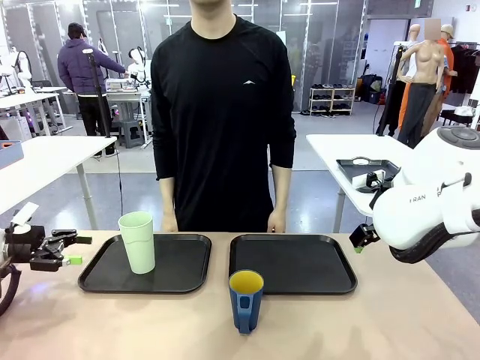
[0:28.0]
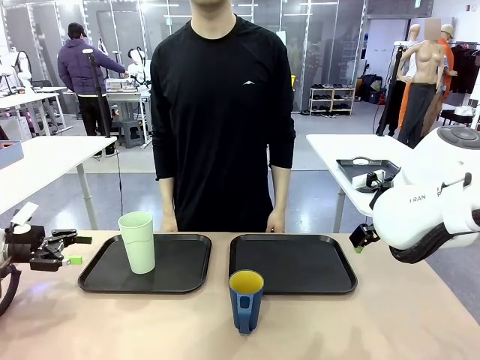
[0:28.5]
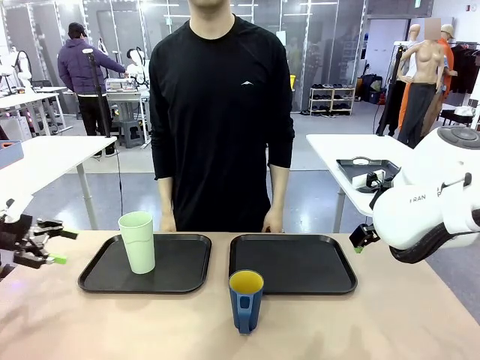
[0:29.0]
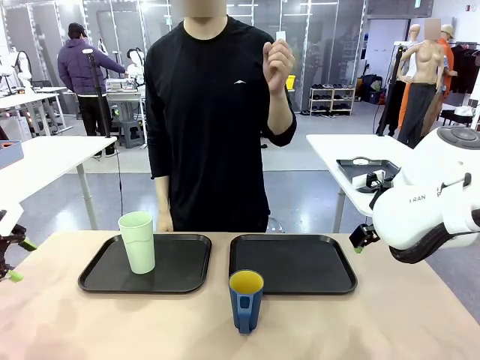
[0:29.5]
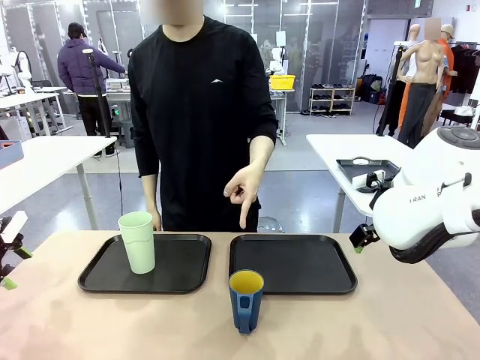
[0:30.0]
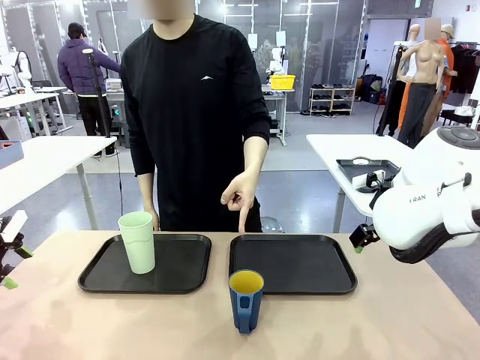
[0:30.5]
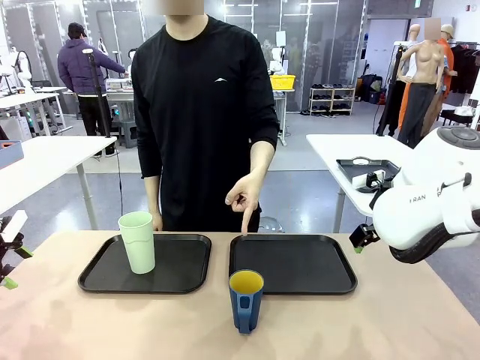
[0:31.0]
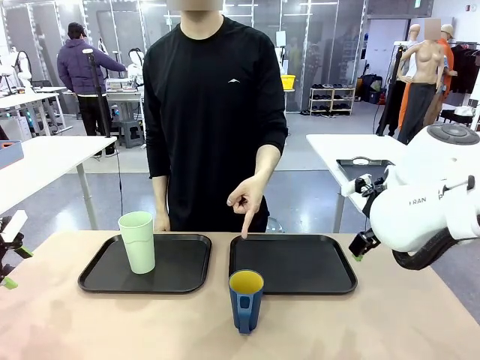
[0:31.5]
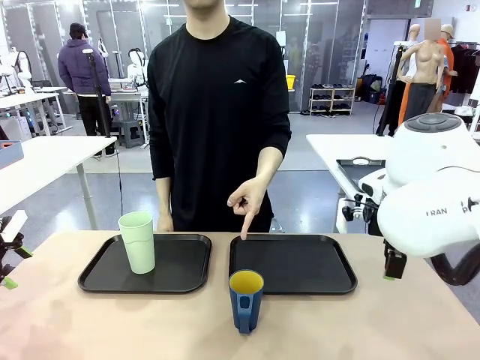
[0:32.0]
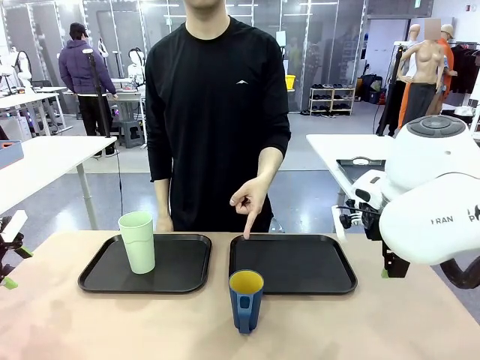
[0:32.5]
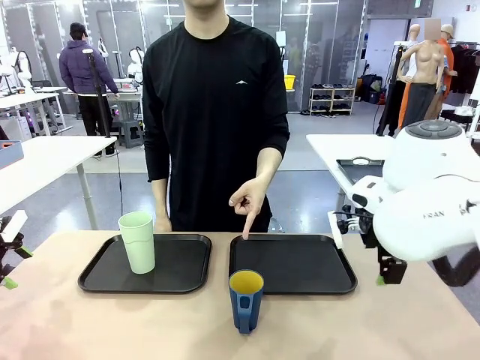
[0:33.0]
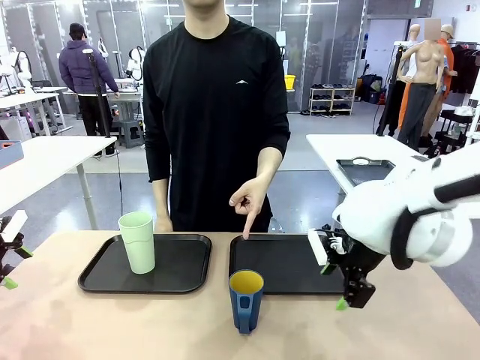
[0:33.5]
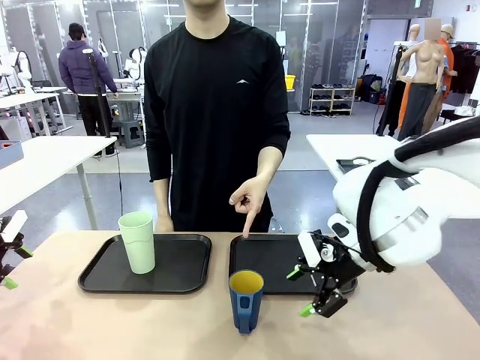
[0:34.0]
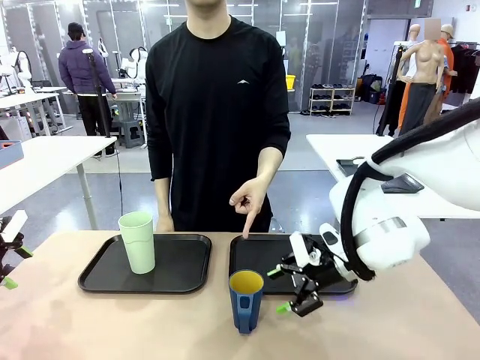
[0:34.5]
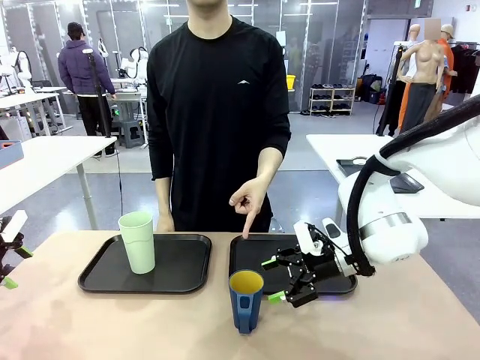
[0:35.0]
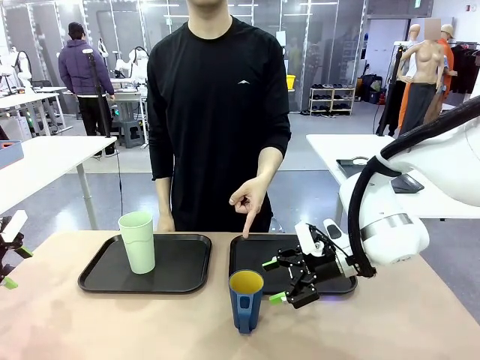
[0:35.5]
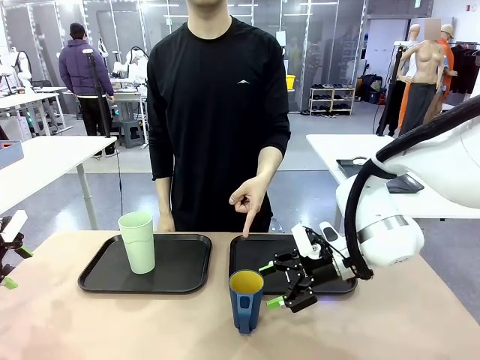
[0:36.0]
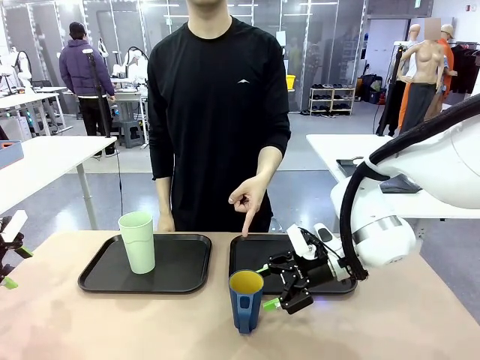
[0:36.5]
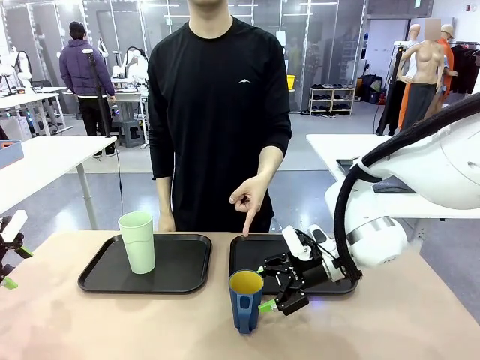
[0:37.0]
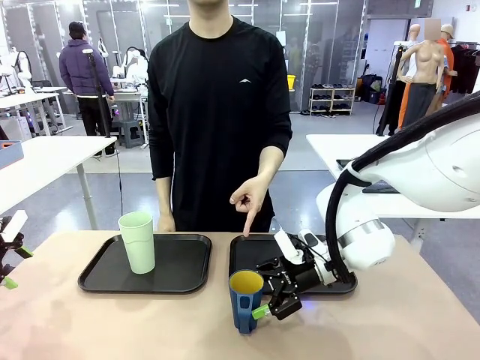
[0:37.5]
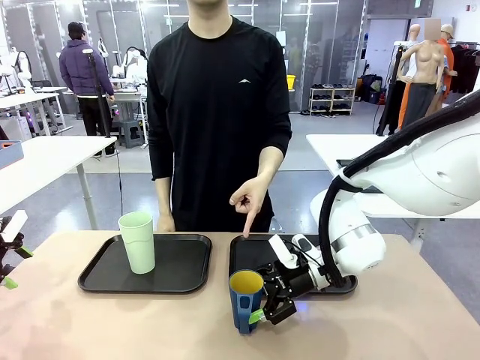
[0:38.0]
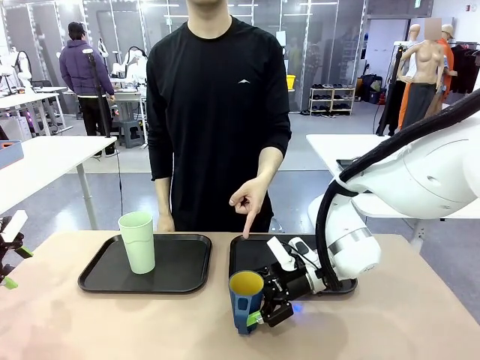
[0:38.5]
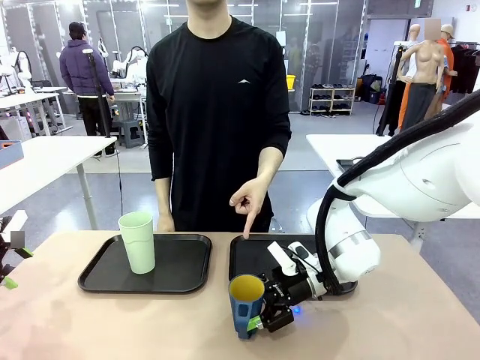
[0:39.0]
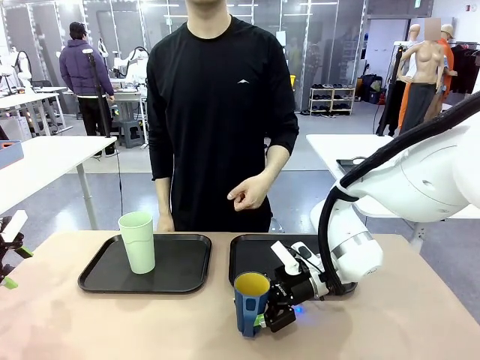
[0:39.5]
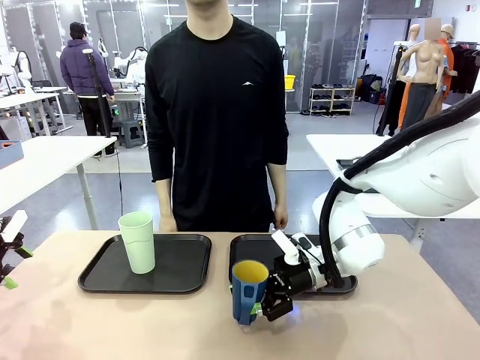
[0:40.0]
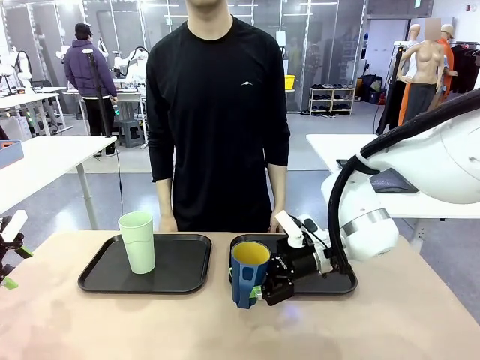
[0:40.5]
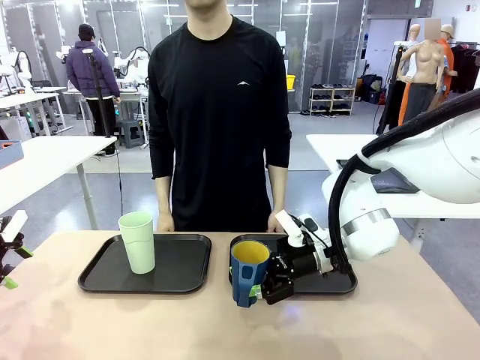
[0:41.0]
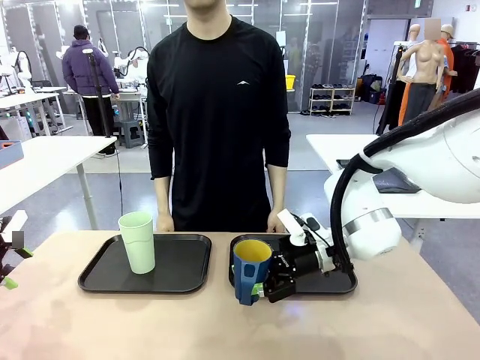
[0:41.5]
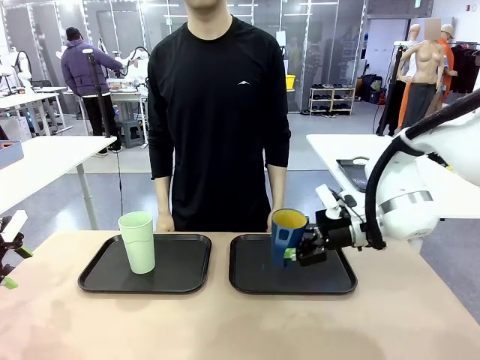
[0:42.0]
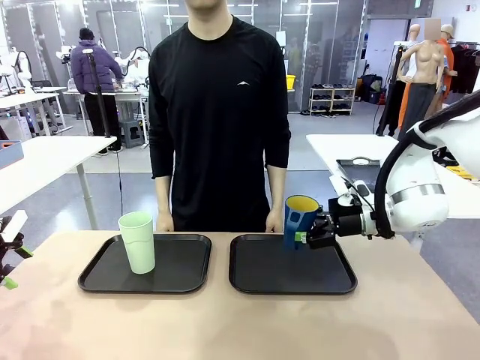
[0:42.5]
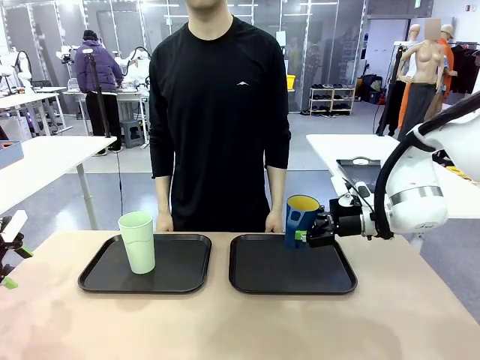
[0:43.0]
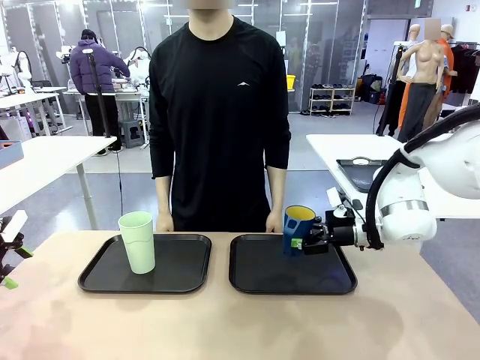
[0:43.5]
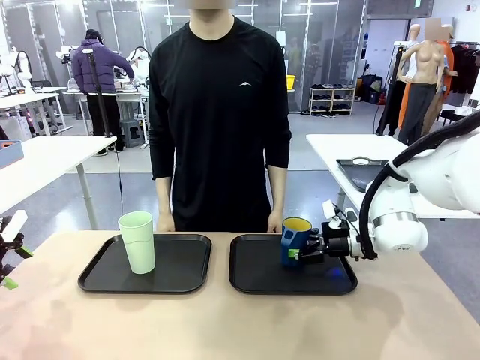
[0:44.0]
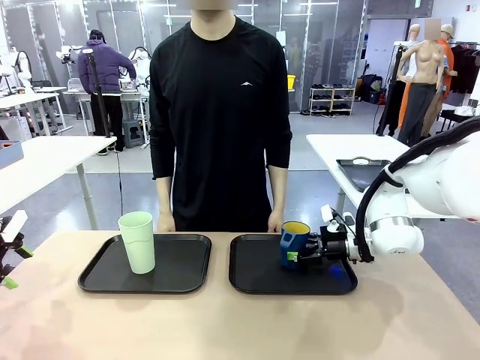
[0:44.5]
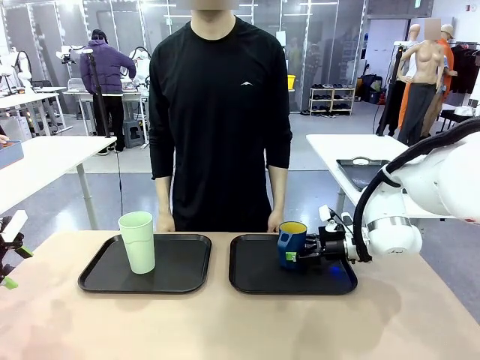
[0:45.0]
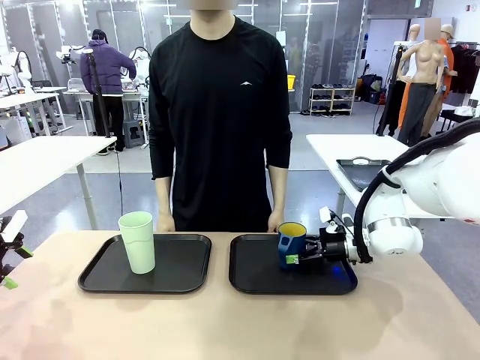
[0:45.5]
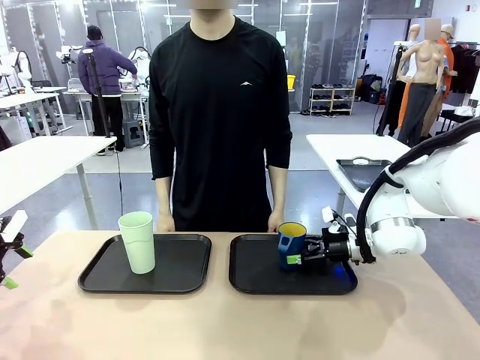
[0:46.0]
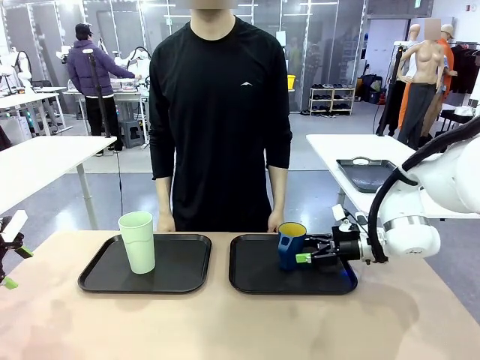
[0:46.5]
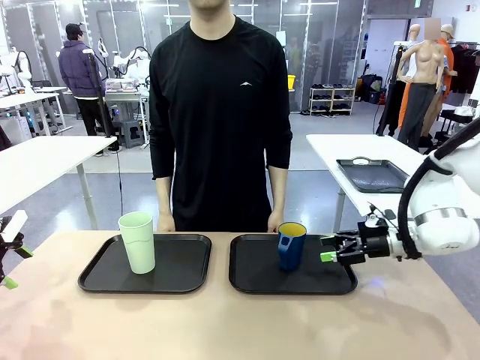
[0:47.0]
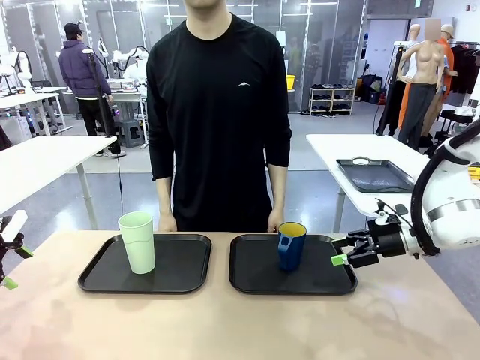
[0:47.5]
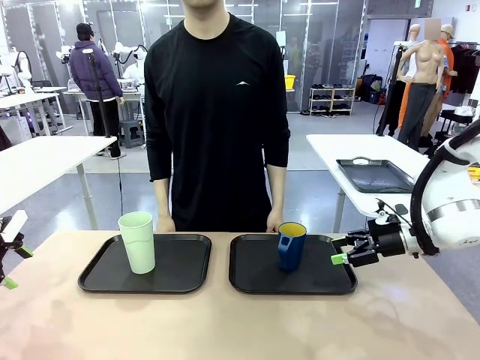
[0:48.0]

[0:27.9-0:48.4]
Task: Sort and store the cups by type.
Robot: Pick up the Handle plastic cup and place it into the empty Flat Tray.
Person: Points to the cup with a handle.

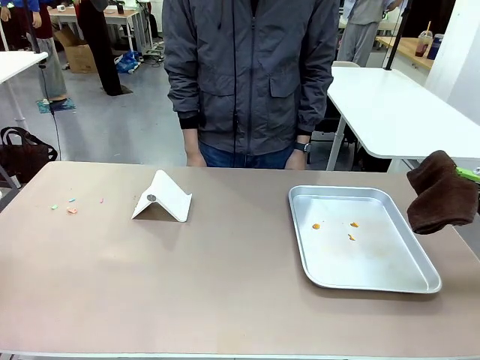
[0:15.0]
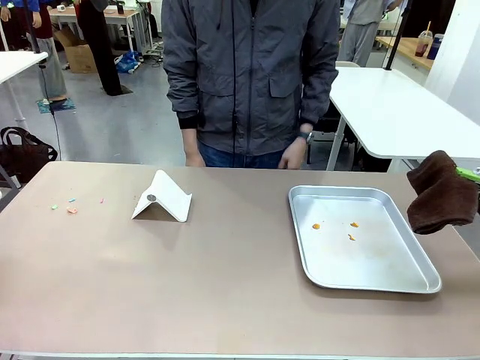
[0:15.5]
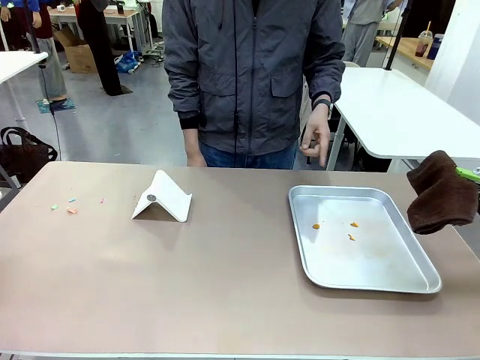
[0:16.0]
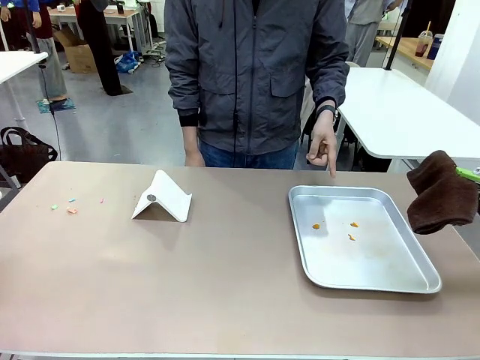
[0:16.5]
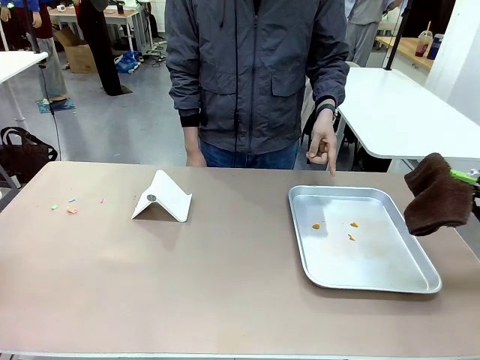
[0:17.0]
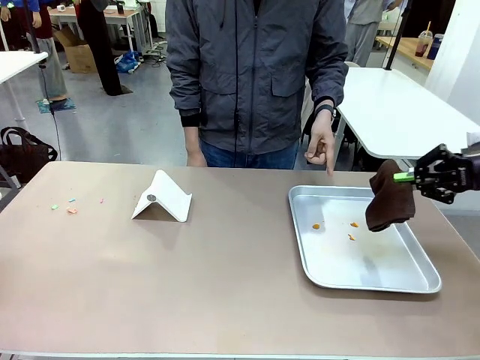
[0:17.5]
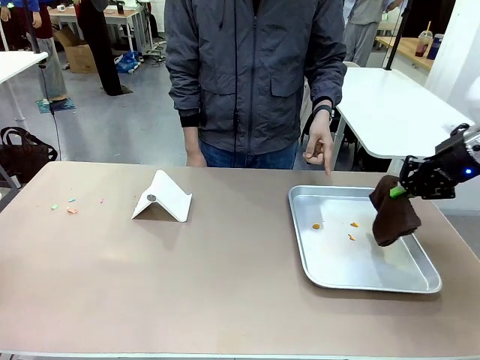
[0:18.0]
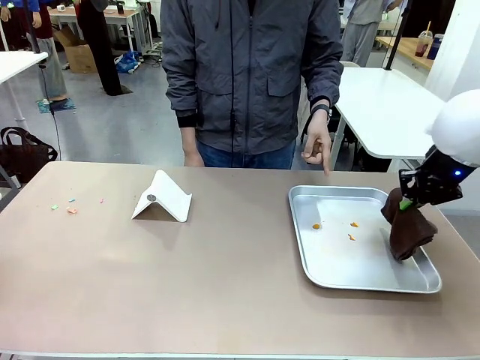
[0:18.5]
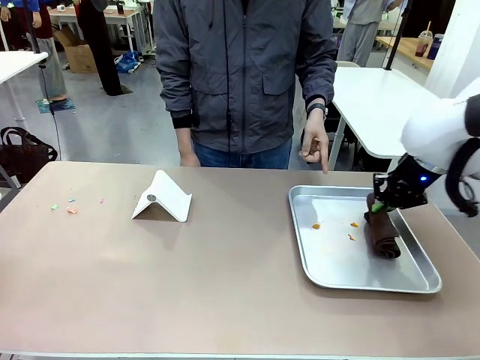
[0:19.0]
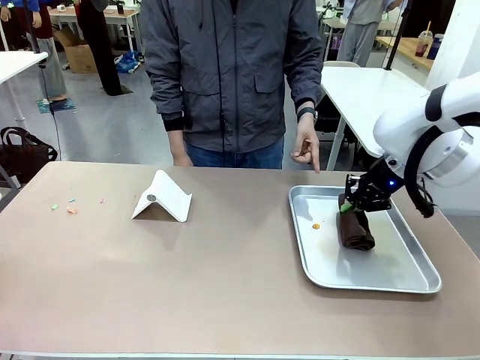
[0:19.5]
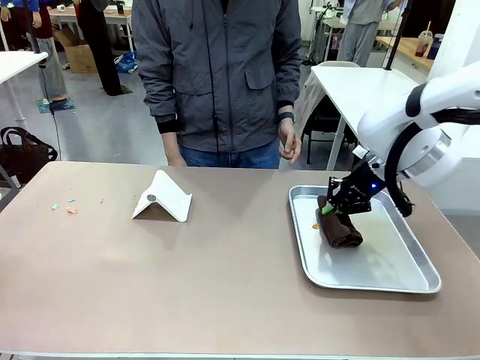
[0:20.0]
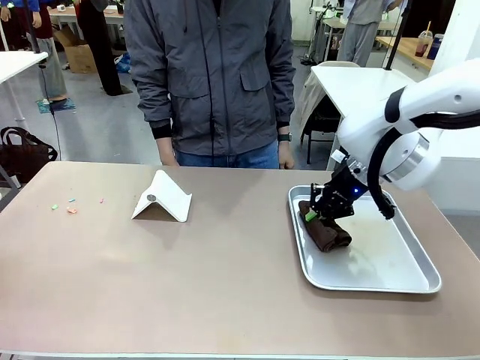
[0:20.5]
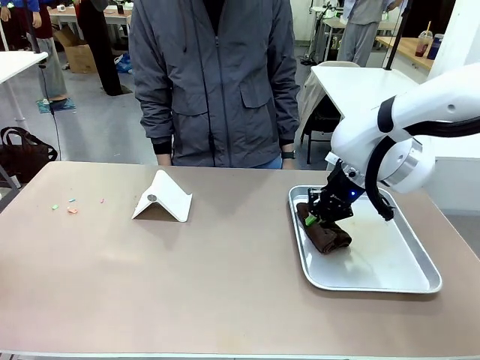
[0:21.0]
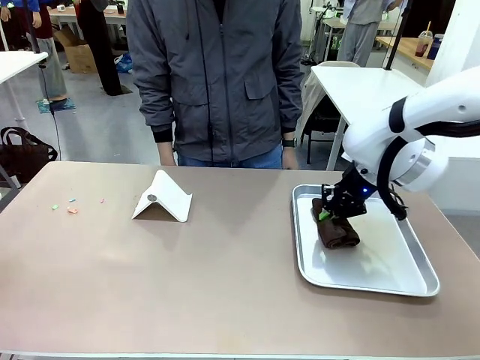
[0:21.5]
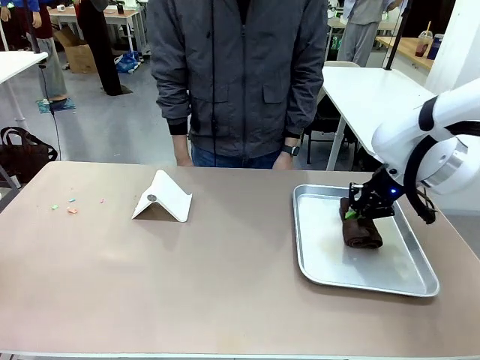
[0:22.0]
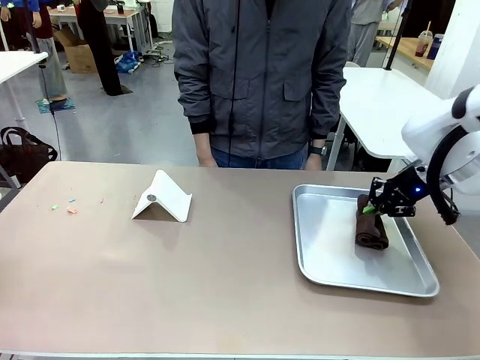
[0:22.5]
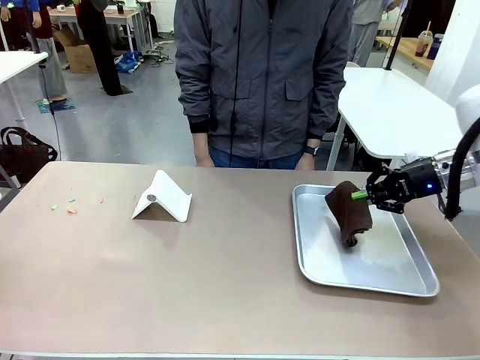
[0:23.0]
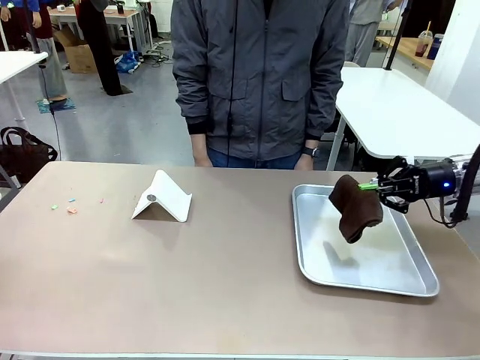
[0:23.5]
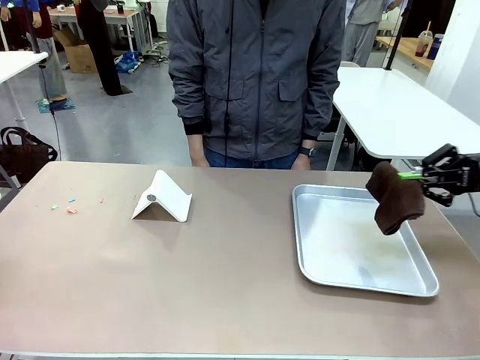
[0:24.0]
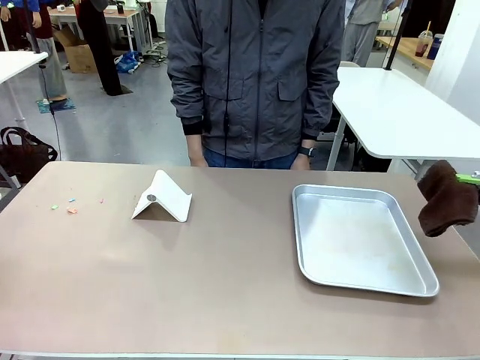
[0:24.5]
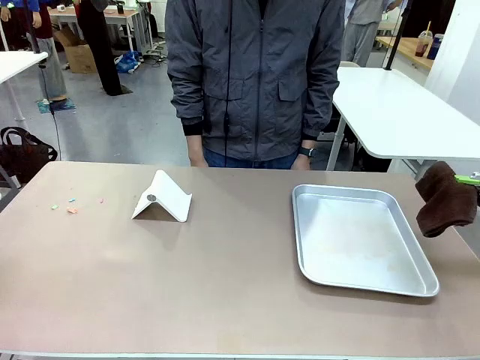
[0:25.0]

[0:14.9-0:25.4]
Task: Clean the surface of the table.
Robot: If a person points to the right, clean the right side of the table with your right hand, and if they point to the left, clean the left side with your left hand.
